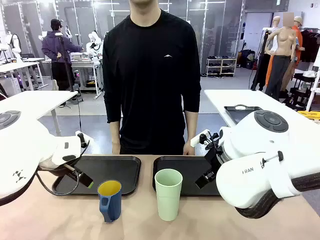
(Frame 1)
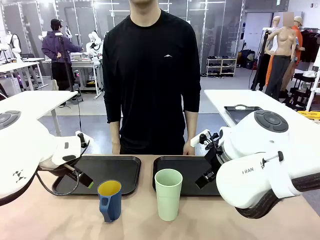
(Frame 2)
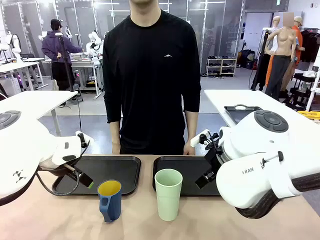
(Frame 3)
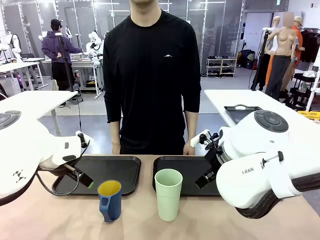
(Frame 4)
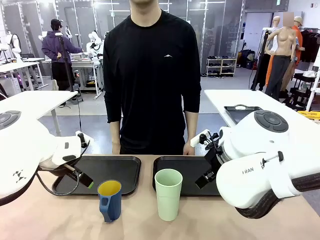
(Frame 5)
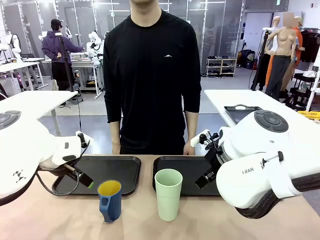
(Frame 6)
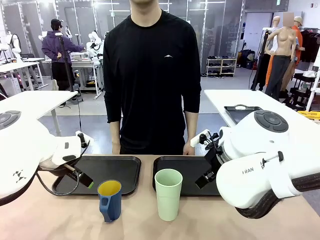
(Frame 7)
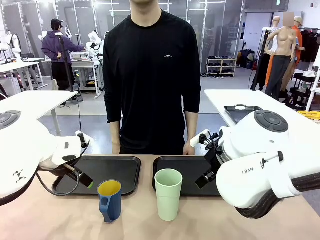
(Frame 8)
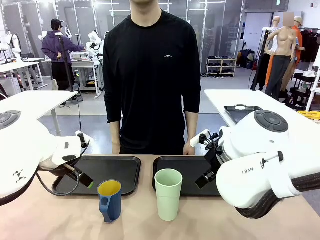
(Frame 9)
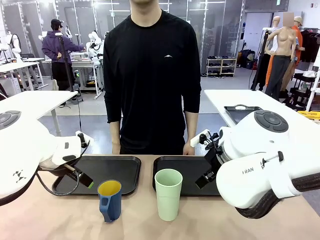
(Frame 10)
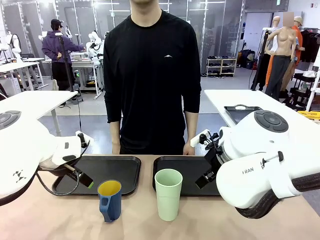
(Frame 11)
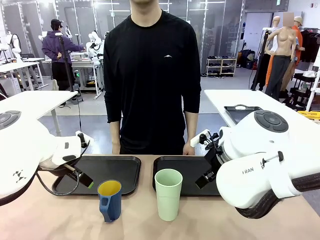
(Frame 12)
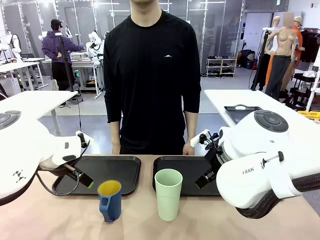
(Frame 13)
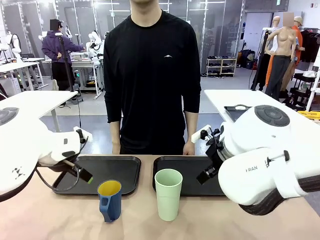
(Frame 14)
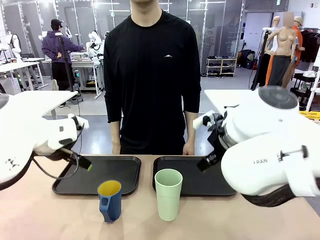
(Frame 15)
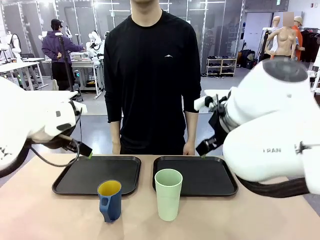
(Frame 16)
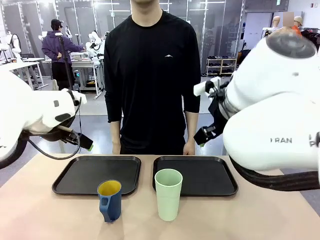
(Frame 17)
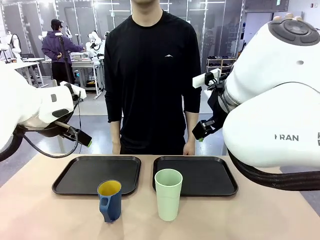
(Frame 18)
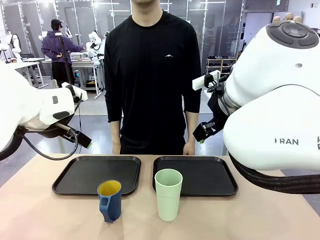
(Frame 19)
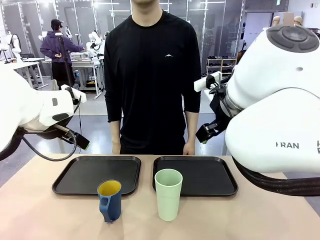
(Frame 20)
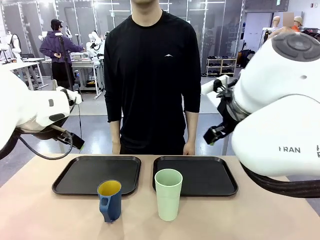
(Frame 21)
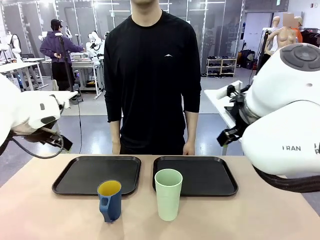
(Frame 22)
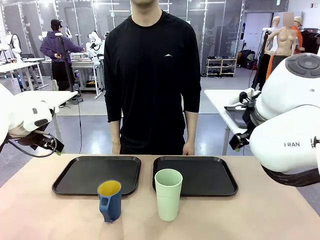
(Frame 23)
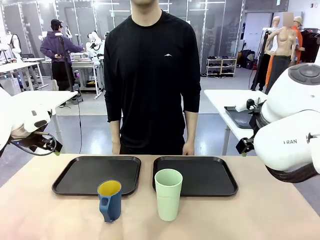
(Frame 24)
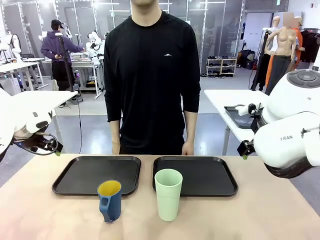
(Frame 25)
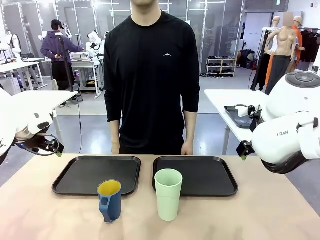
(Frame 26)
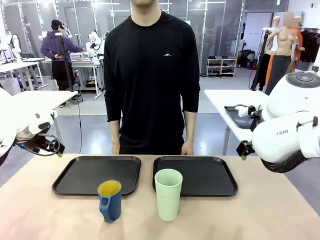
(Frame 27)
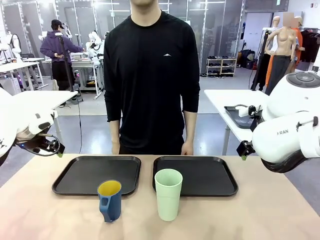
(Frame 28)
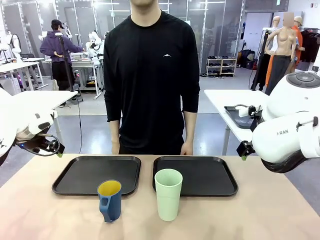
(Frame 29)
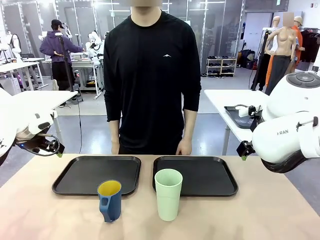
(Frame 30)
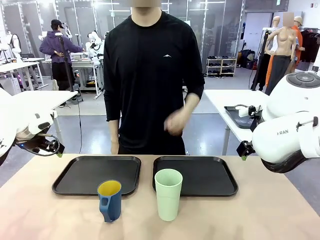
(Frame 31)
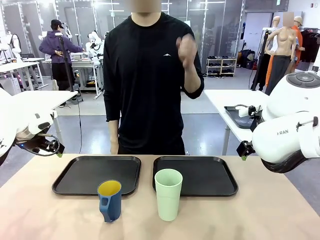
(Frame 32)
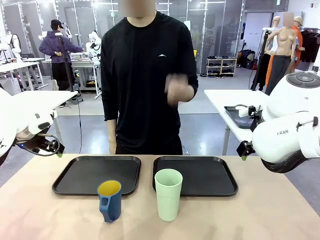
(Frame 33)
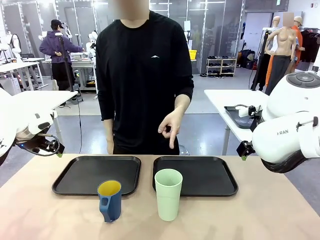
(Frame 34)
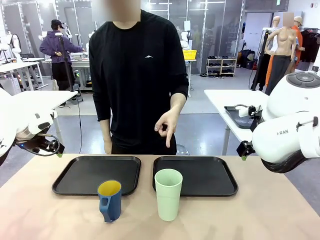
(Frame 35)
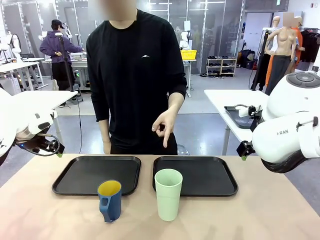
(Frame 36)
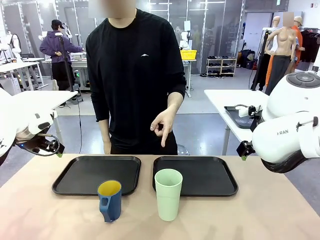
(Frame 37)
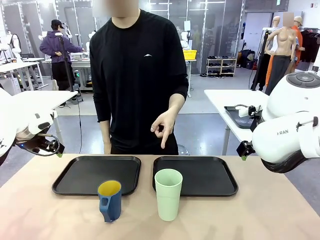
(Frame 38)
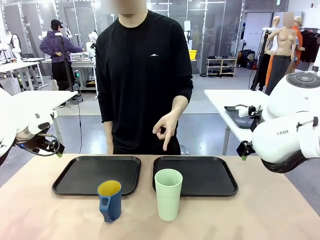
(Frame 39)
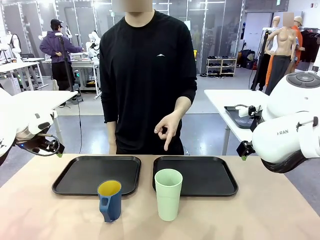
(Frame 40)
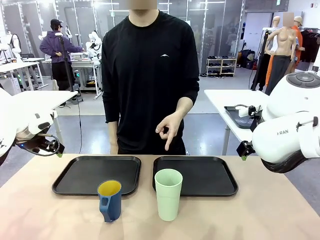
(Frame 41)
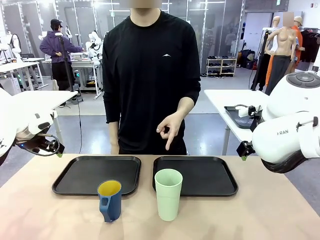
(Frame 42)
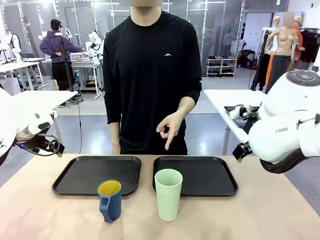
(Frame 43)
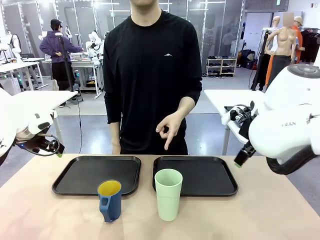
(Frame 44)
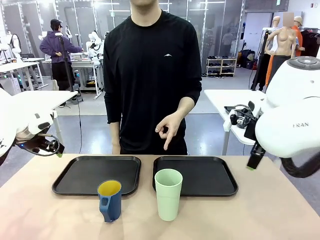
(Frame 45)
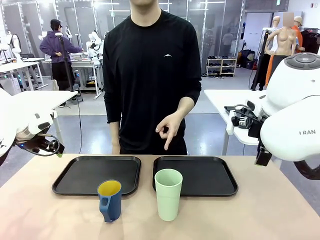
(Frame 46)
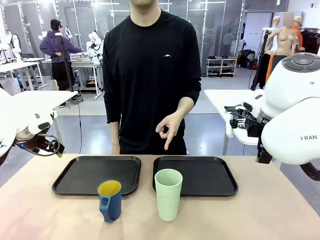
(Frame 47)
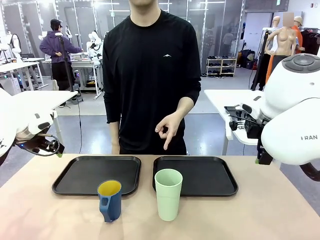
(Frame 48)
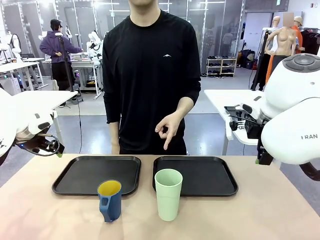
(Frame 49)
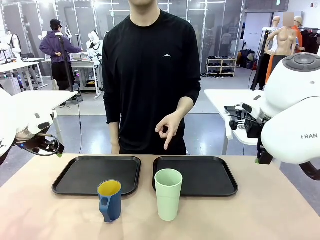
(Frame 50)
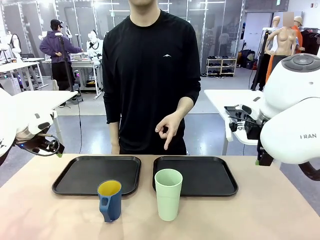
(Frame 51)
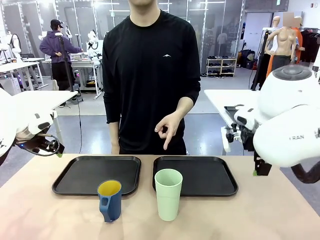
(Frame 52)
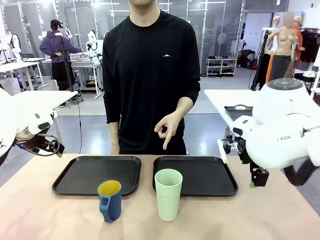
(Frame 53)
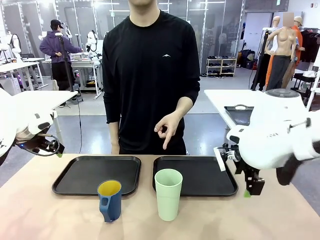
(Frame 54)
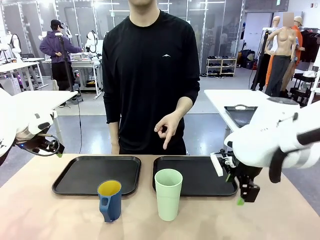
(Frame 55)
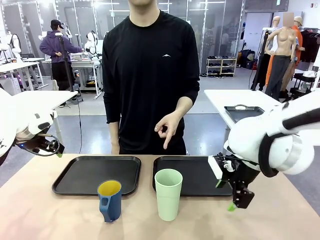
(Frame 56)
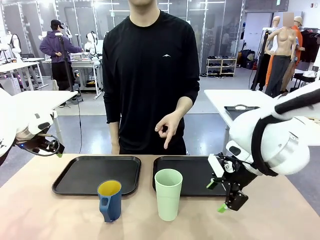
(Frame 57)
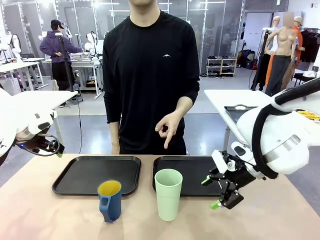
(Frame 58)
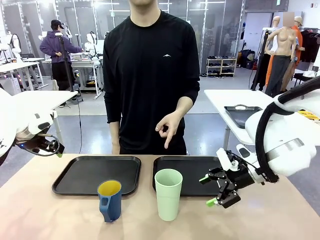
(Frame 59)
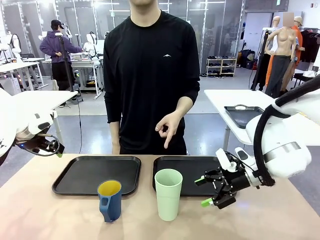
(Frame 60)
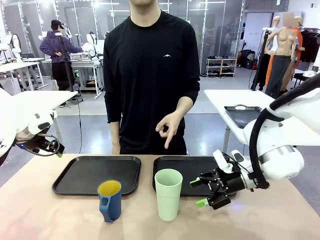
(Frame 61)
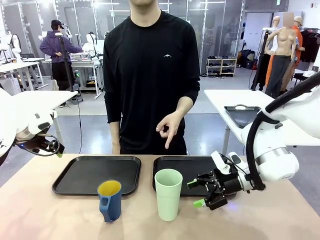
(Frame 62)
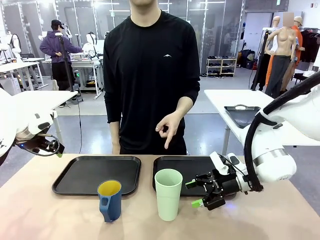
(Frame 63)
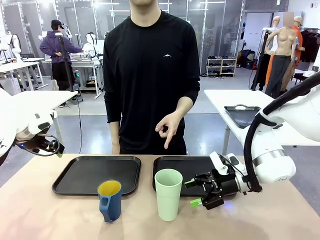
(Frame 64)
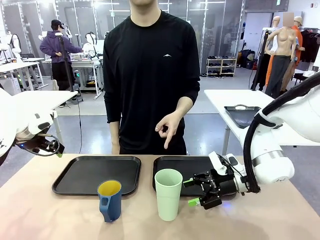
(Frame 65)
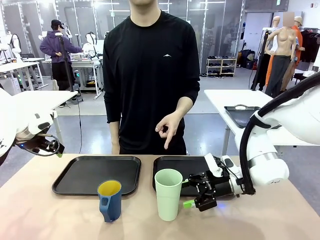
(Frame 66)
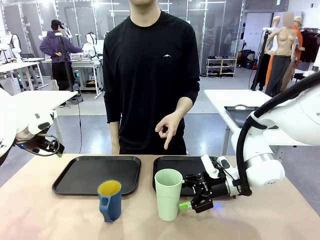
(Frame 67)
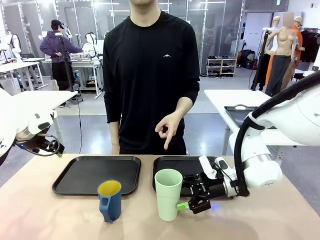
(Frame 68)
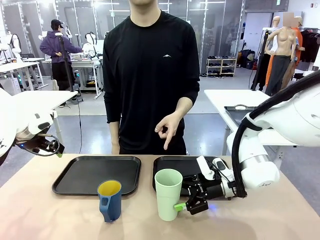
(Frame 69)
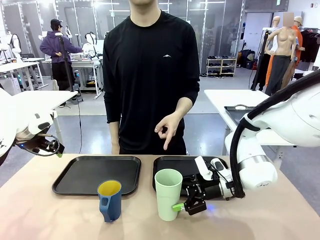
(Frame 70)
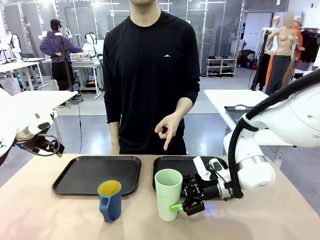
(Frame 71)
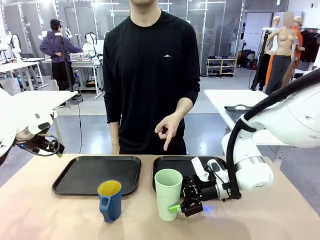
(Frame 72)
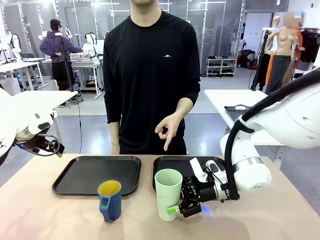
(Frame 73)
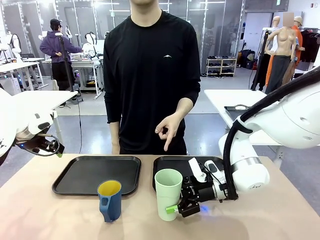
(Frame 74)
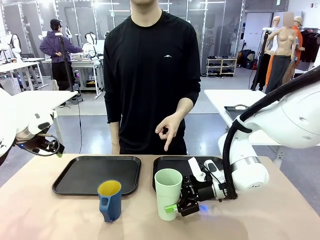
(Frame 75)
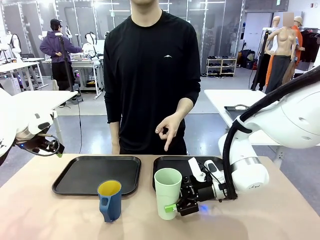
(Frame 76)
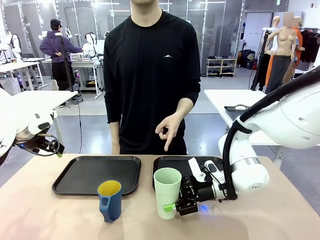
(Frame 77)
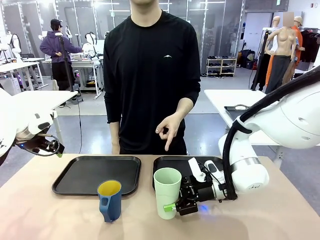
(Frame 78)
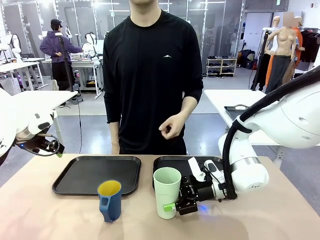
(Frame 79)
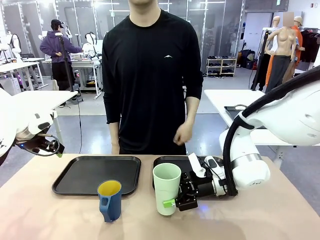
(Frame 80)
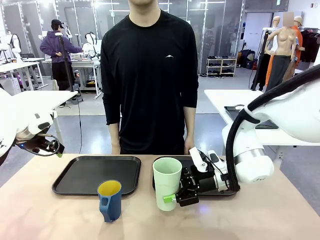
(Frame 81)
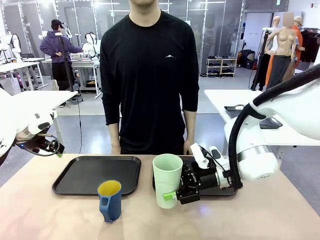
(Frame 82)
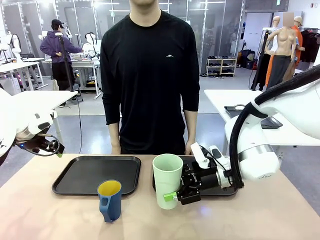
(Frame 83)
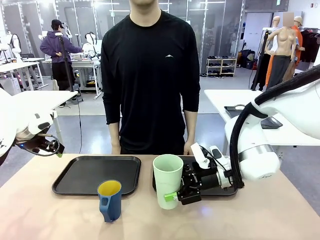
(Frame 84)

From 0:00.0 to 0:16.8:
Task: Sort and store the cups by type.
Robot: Pick up the Reusable plastic cup.
Person: Points to the reusable cup. Point to one of the two trays.

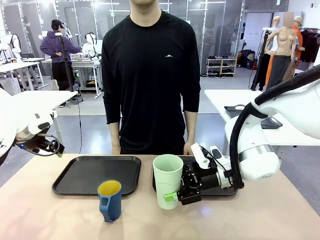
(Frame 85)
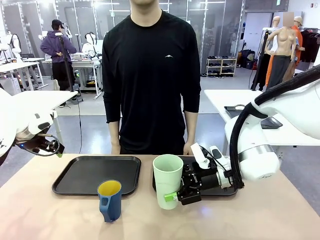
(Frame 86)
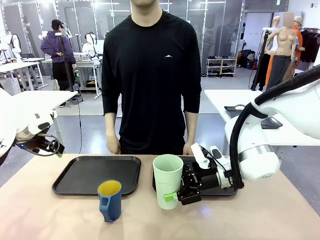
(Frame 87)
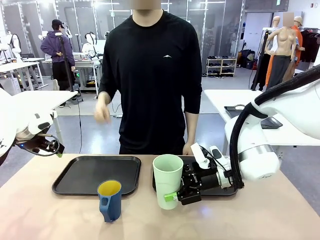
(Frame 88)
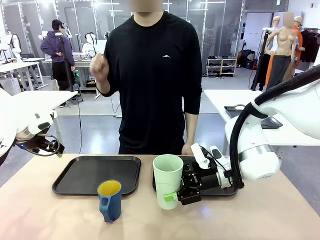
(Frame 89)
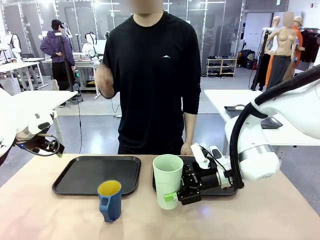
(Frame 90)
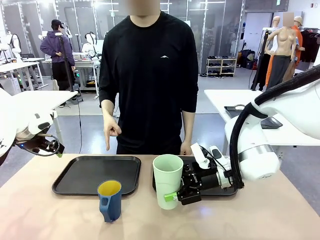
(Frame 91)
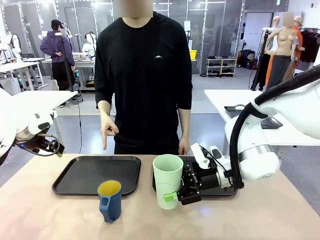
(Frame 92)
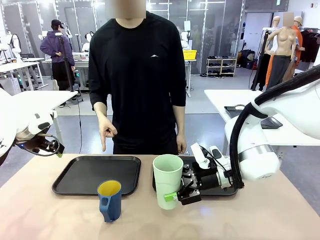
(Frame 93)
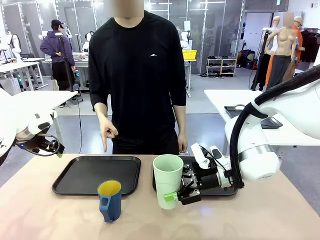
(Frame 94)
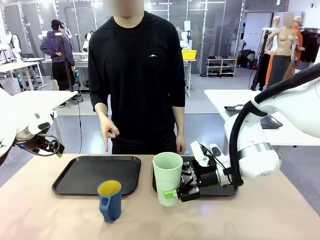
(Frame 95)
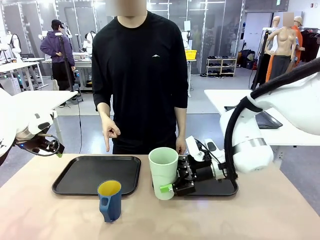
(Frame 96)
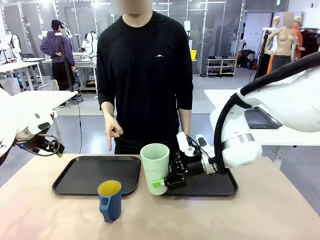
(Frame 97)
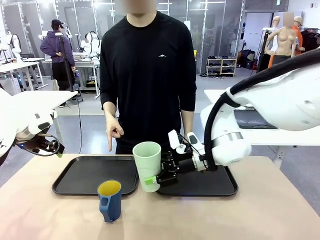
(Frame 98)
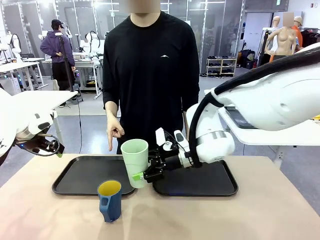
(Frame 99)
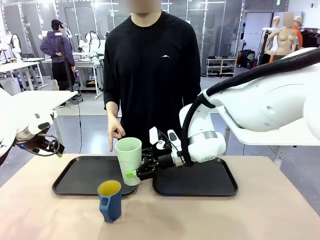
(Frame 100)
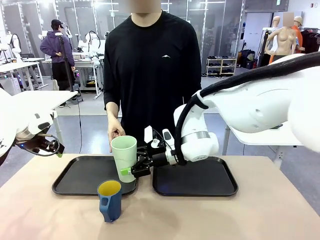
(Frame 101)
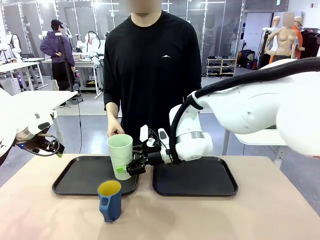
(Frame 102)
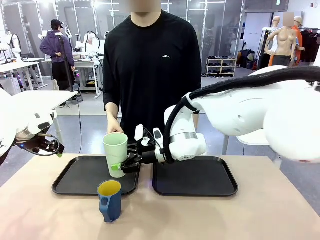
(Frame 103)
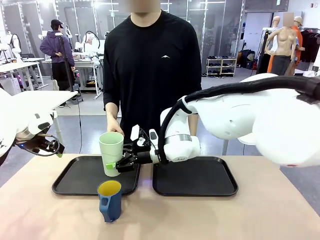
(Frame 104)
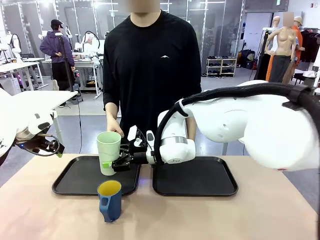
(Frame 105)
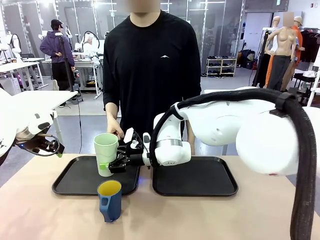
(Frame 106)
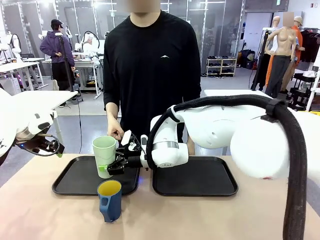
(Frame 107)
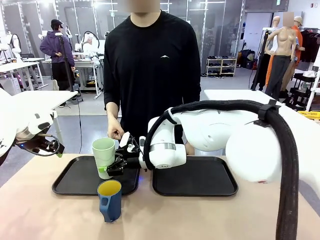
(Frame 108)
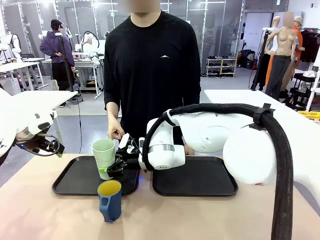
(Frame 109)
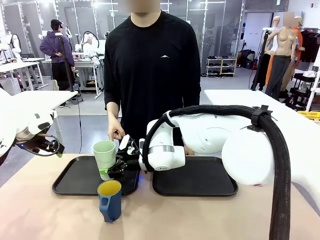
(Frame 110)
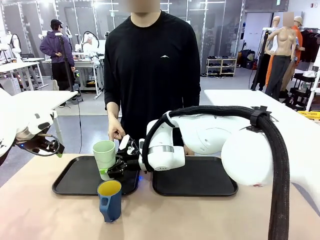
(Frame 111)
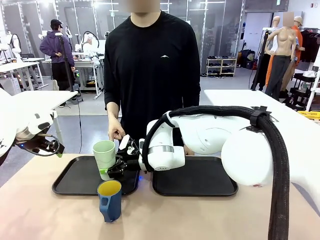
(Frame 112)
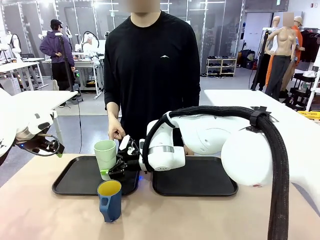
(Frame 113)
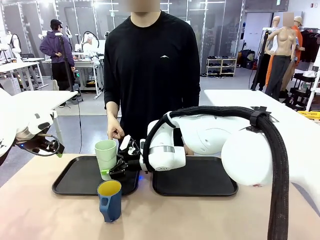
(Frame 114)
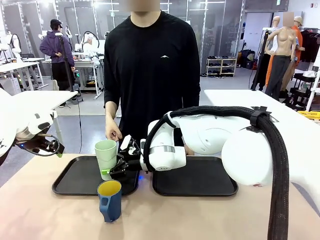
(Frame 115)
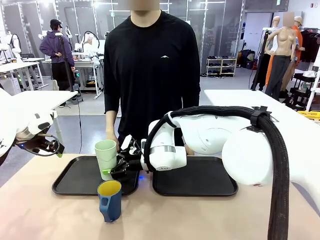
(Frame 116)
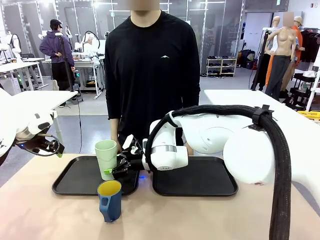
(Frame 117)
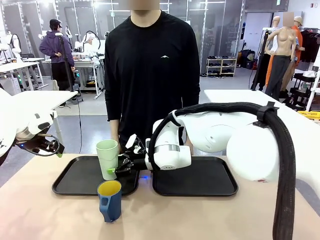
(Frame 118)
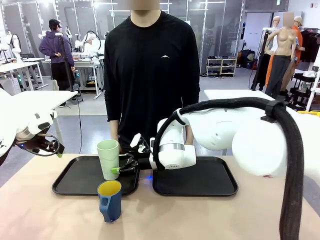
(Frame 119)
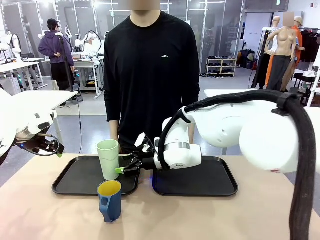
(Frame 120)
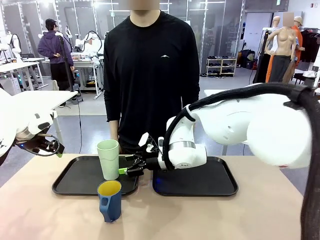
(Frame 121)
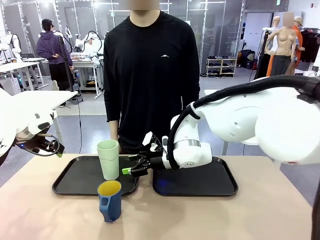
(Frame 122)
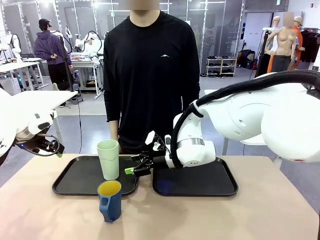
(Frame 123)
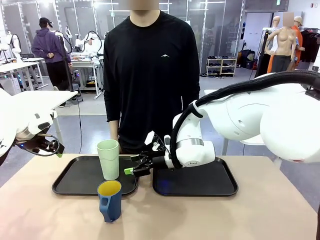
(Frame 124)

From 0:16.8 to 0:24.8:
Robot: Place the picked Reusable plastic cup into the Flat Tray indicated by the person.
